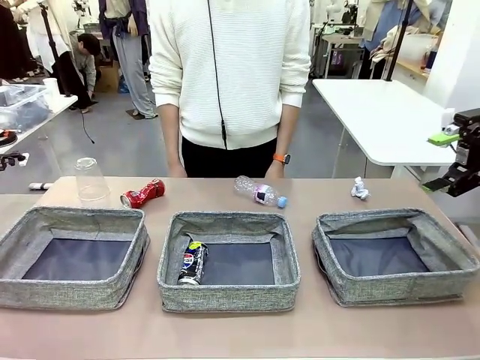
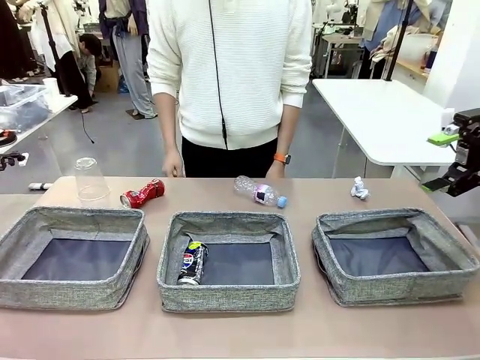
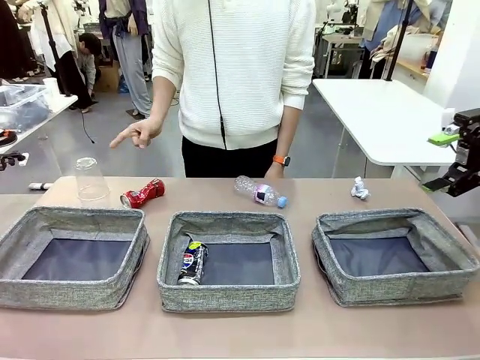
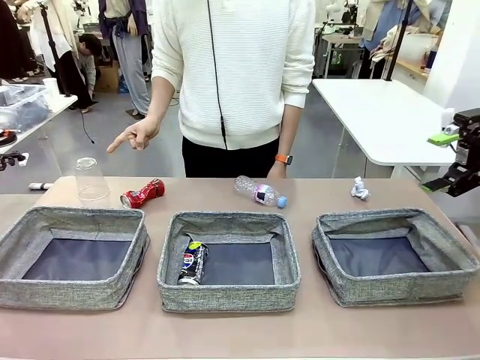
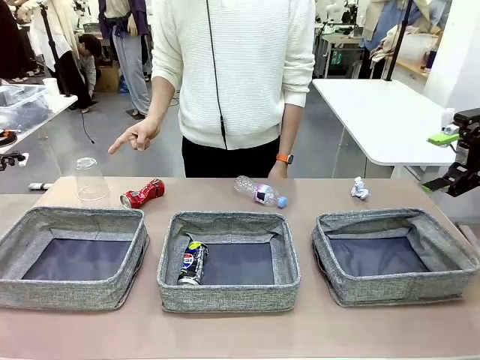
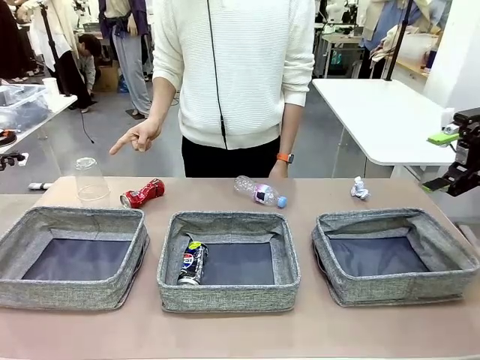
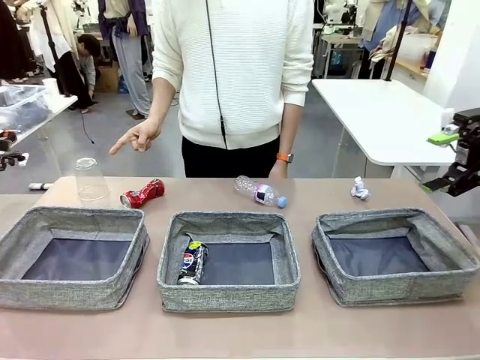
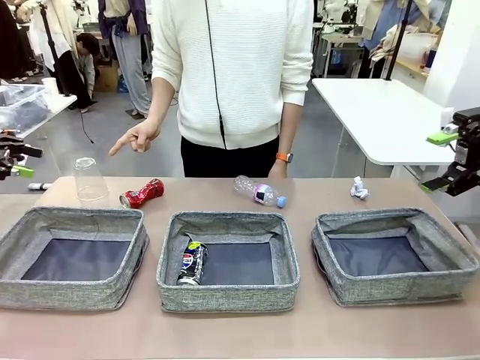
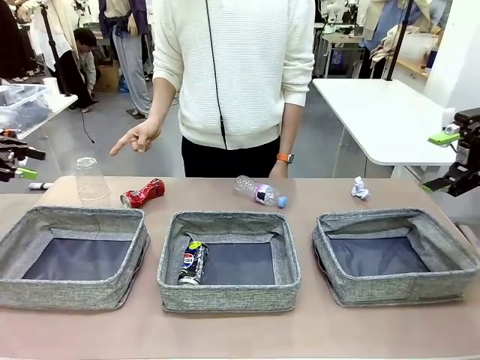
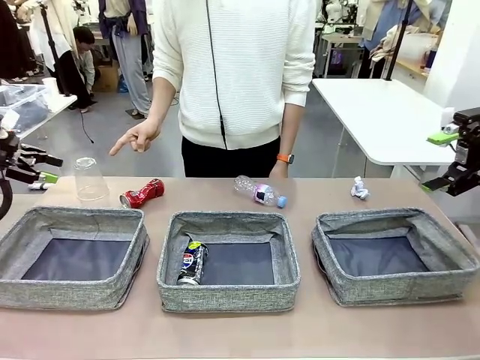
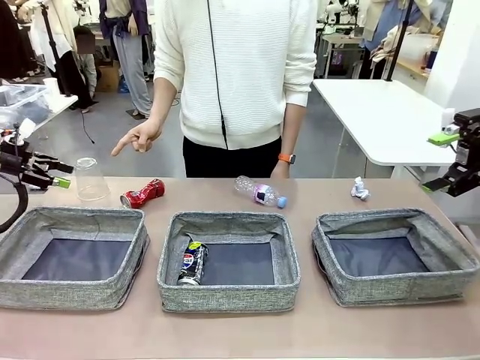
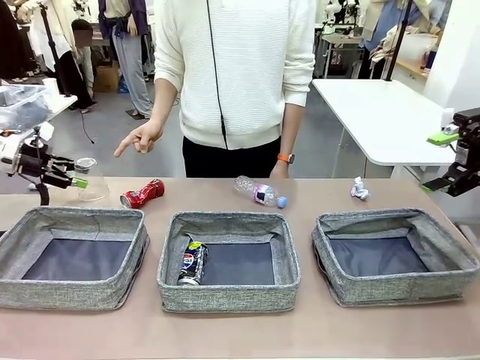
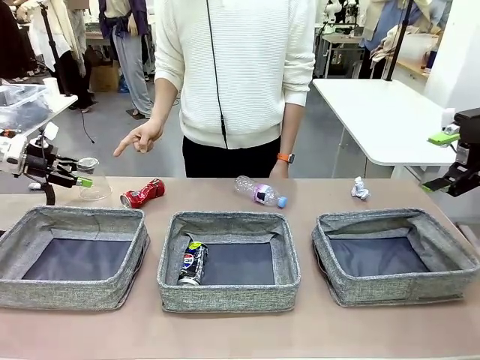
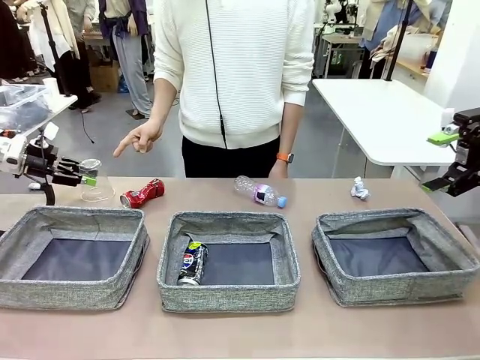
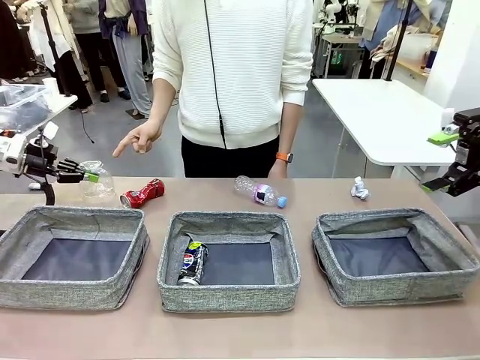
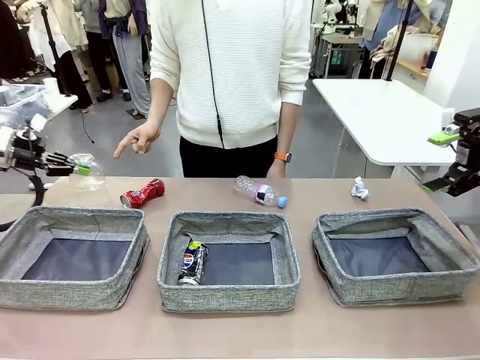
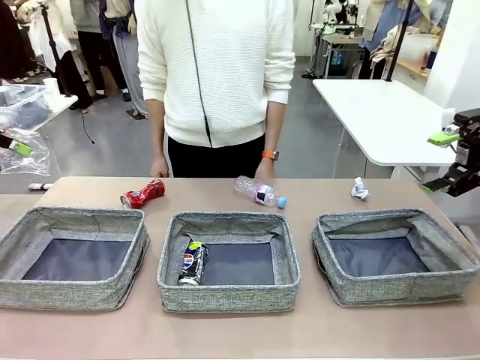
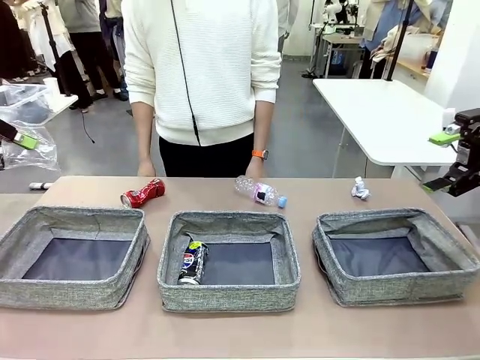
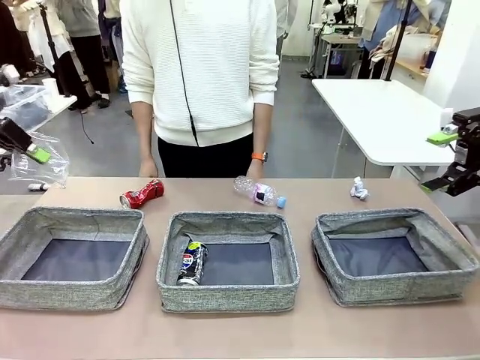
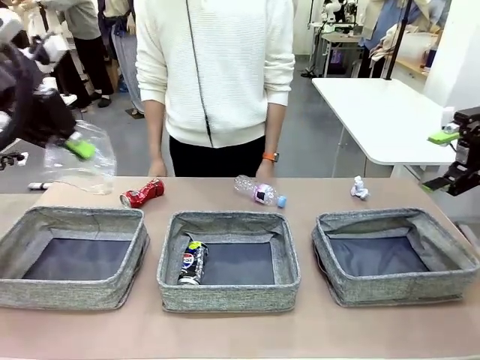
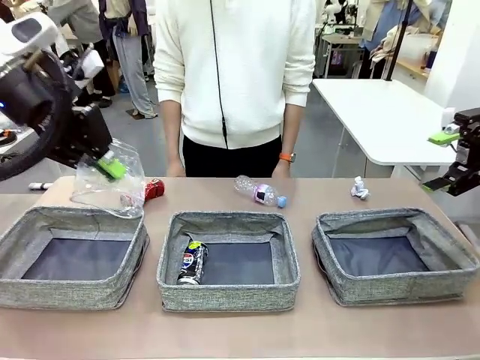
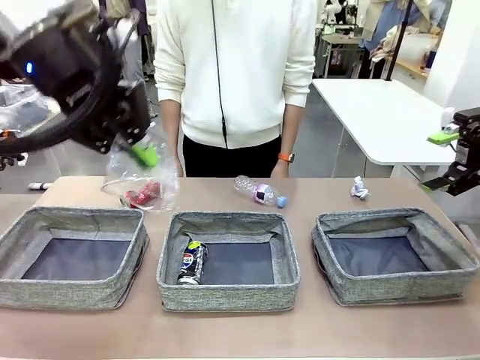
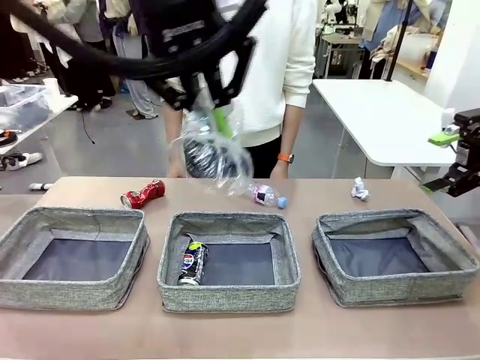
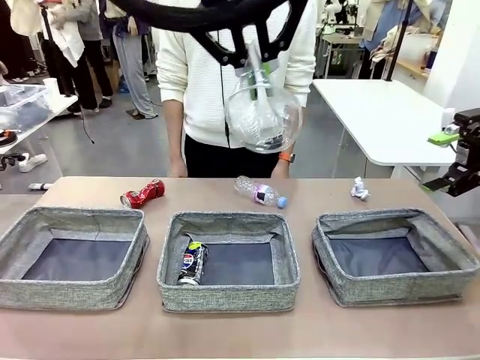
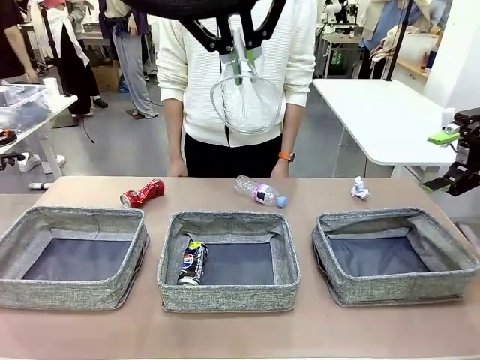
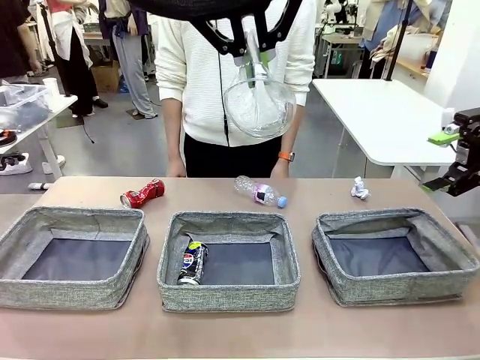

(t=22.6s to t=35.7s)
Task: Sort the waste into the appropriate baskets.
Robot: Pick up the waste item pointed out by the person.
Person: Points to one piece of trash on the table.

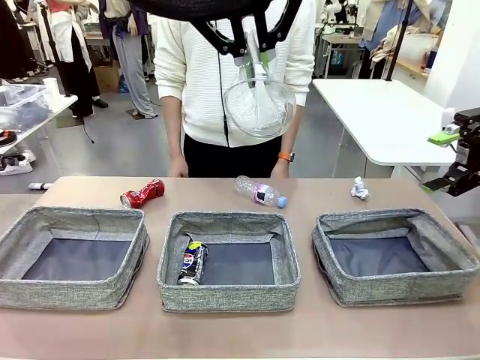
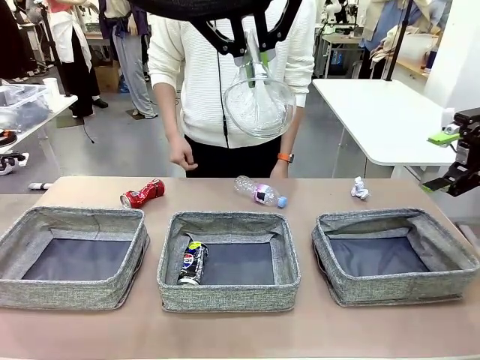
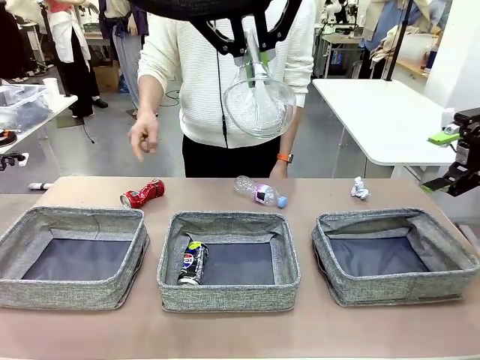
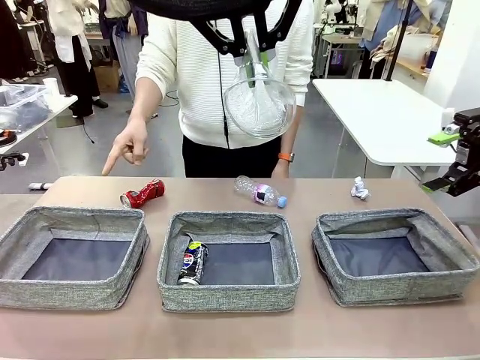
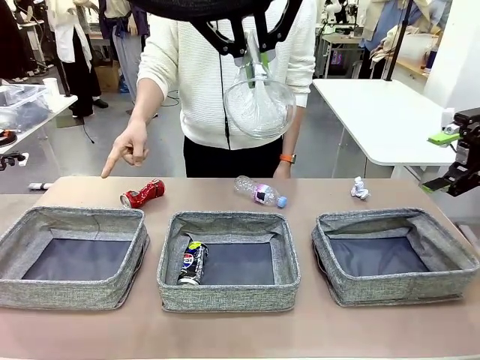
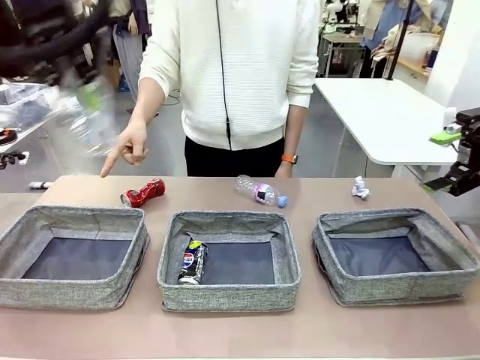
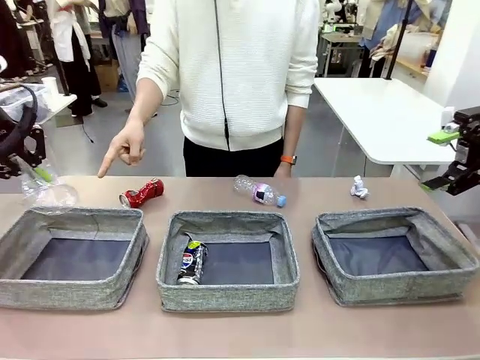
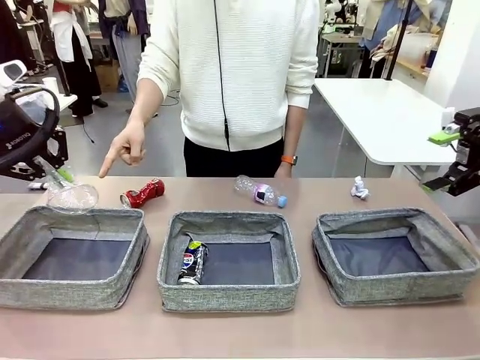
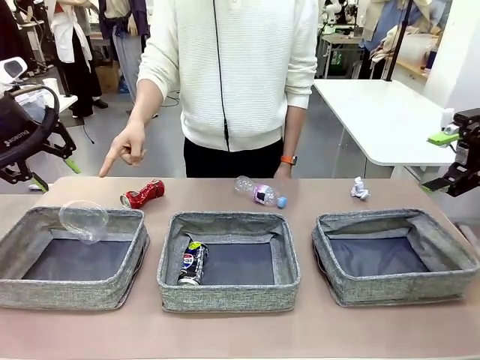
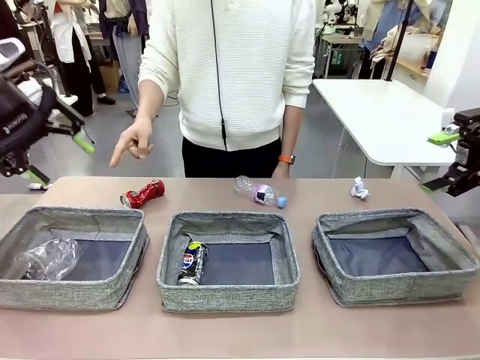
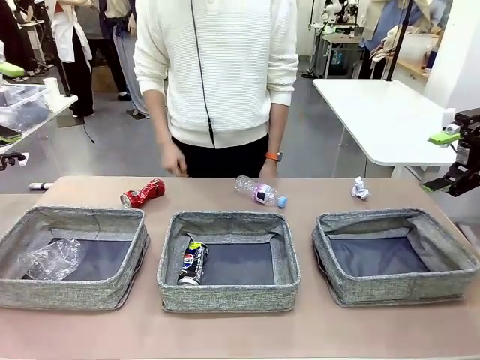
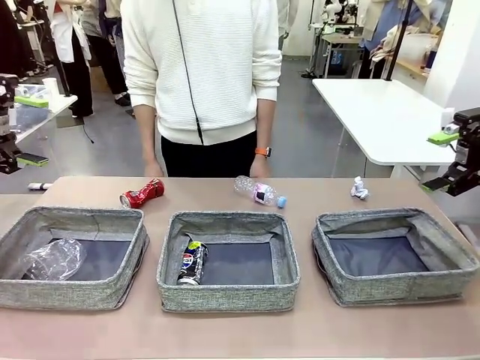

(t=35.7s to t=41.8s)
Robot: Place the picked waste into the Fabric basket indicated by the person.
Person: Instructs the robot to place the picked-up trash into the appropriate organizing basket.

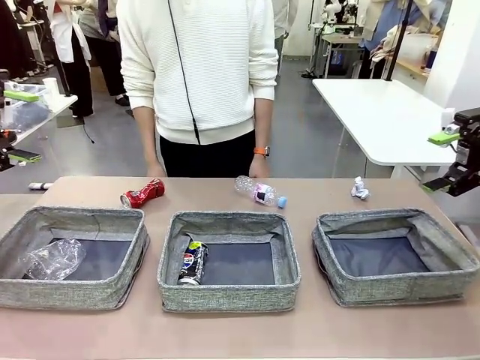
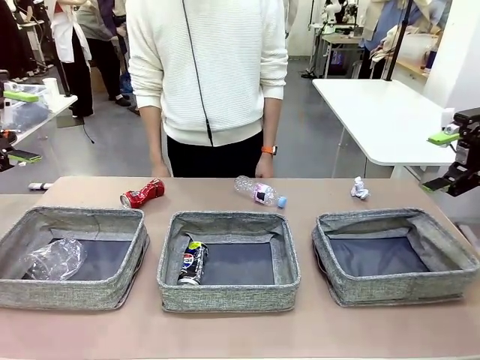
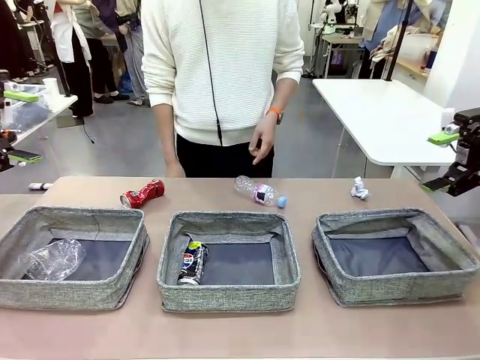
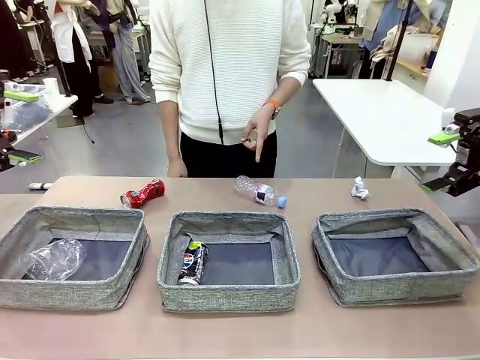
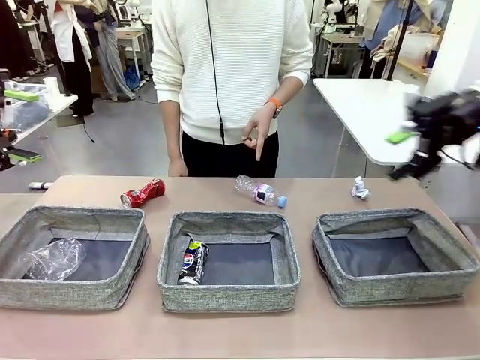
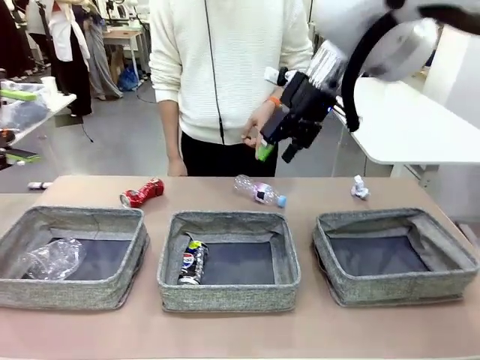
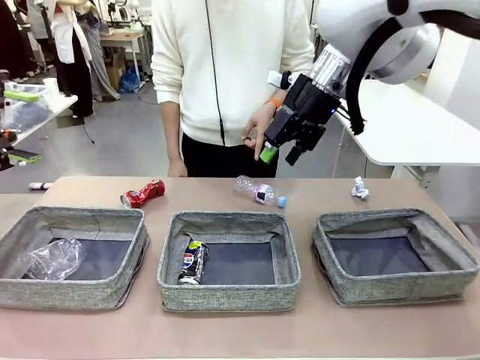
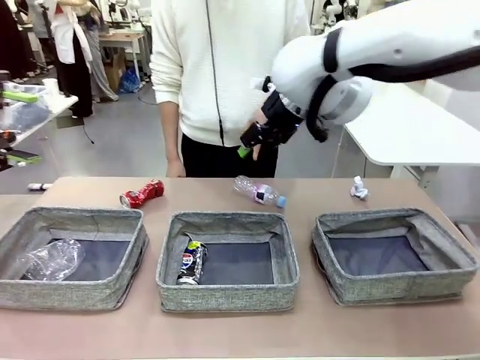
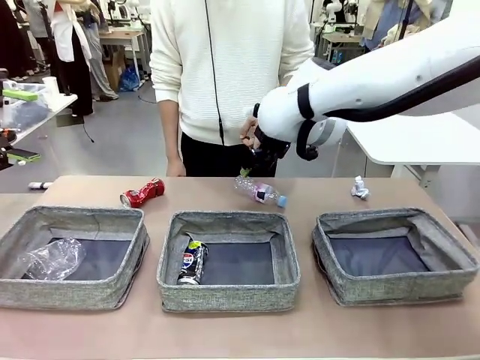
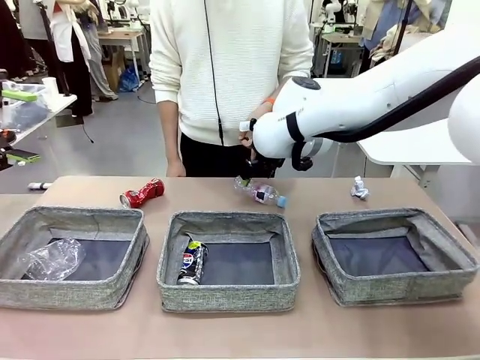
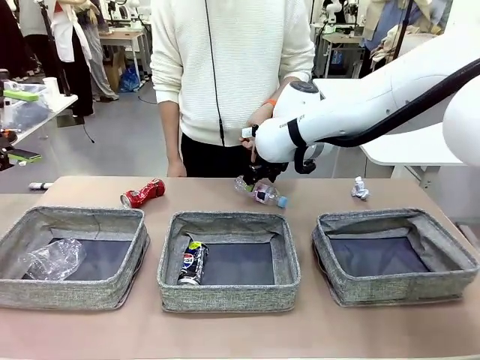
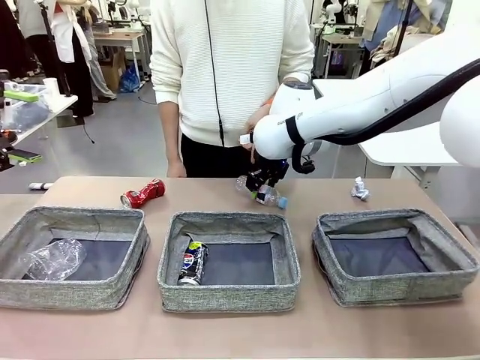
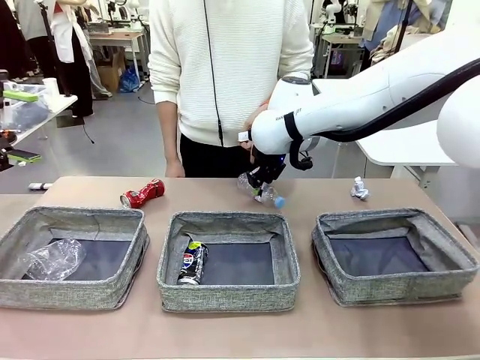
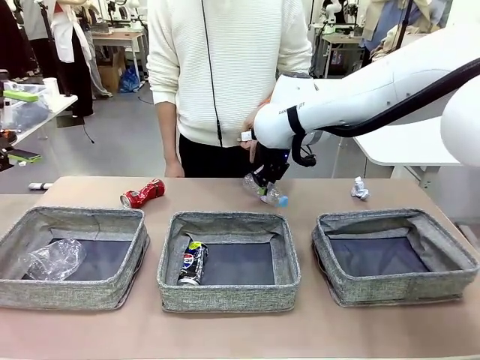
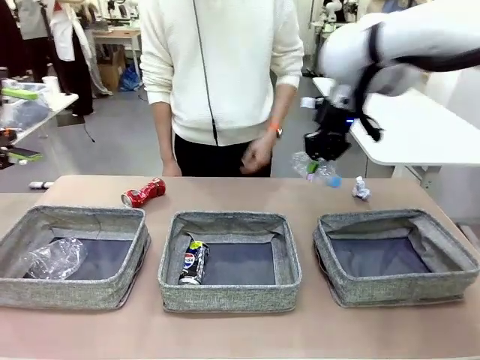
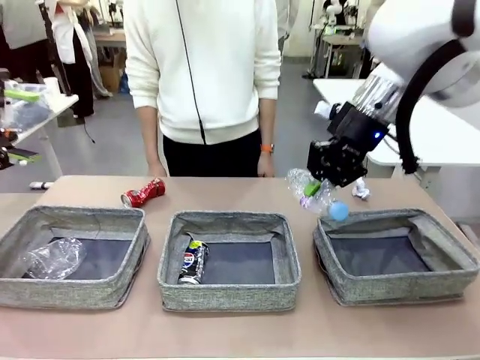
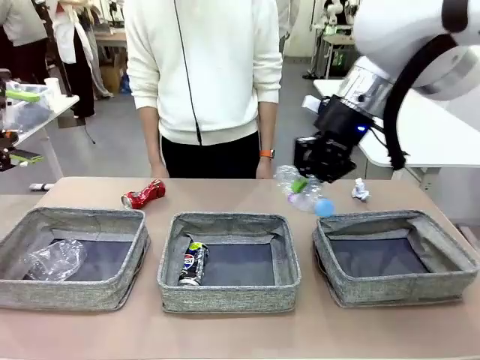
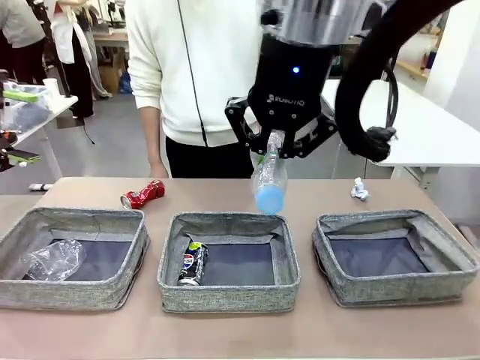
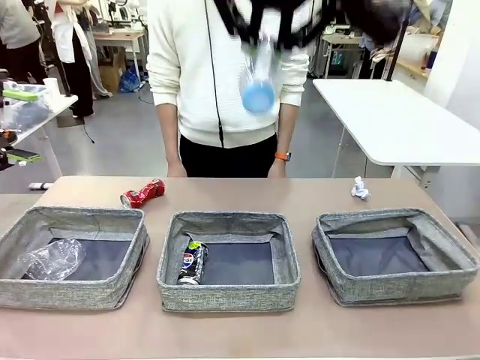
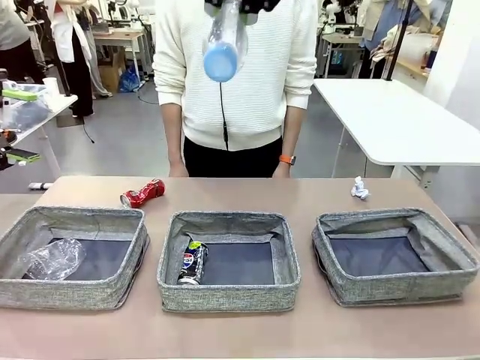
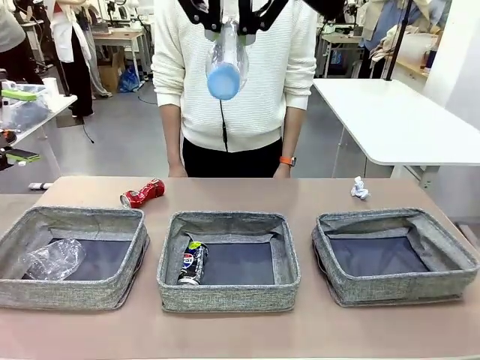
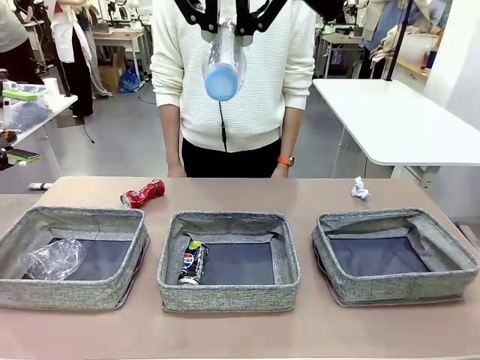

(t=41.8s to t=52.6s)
Robot: Pick up the waste item pointed out by the person.
Person: Points to one piece of trash on the table.
